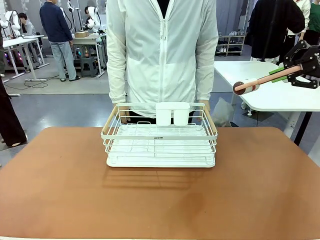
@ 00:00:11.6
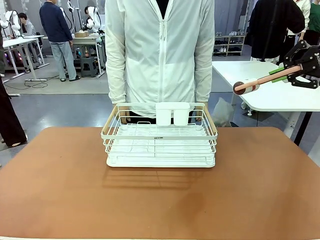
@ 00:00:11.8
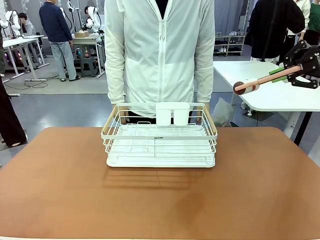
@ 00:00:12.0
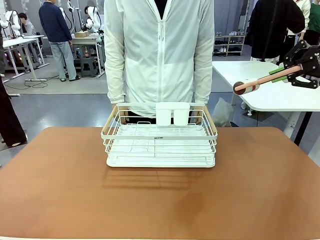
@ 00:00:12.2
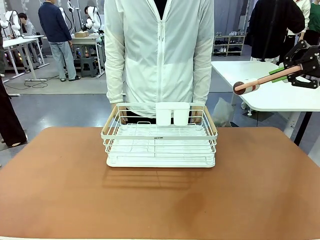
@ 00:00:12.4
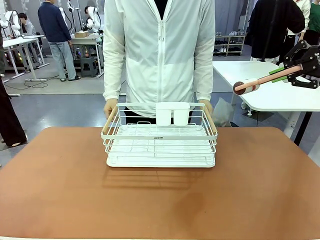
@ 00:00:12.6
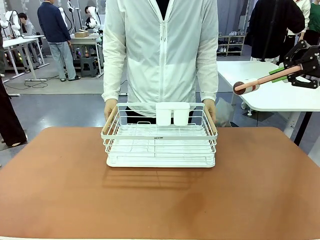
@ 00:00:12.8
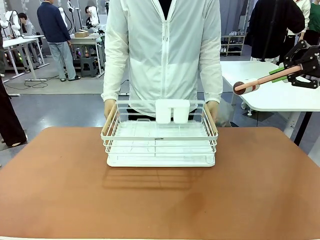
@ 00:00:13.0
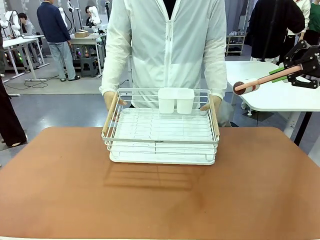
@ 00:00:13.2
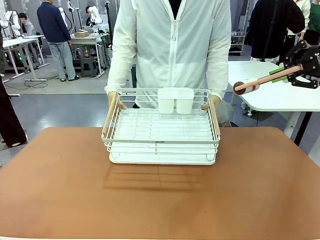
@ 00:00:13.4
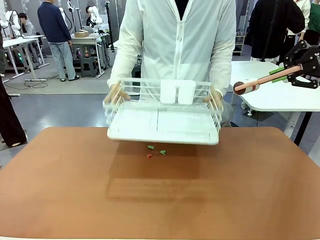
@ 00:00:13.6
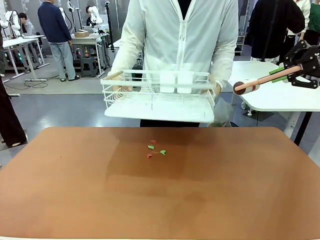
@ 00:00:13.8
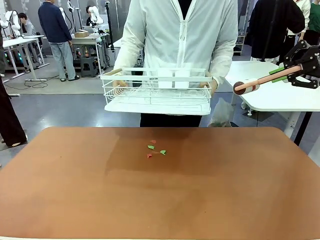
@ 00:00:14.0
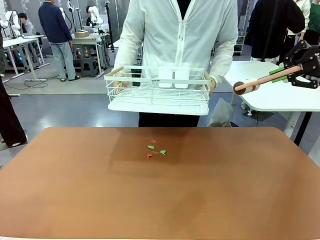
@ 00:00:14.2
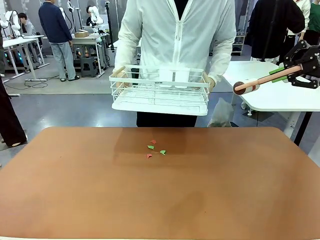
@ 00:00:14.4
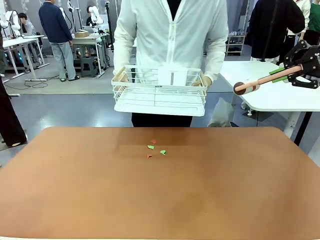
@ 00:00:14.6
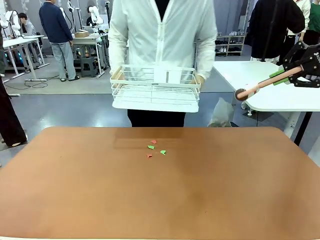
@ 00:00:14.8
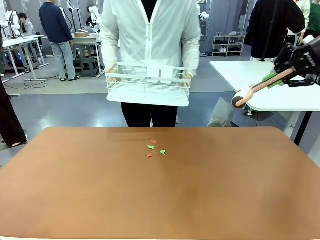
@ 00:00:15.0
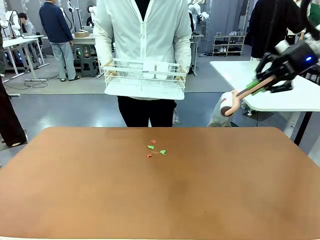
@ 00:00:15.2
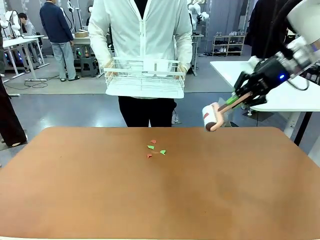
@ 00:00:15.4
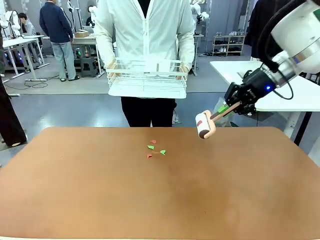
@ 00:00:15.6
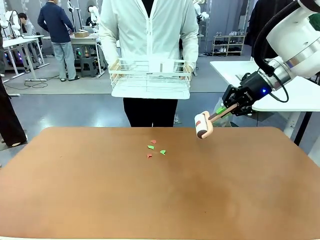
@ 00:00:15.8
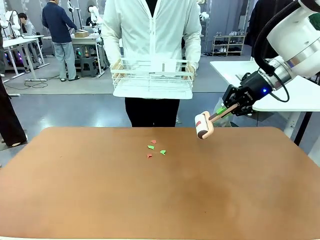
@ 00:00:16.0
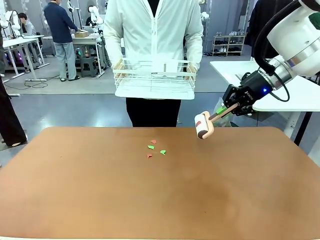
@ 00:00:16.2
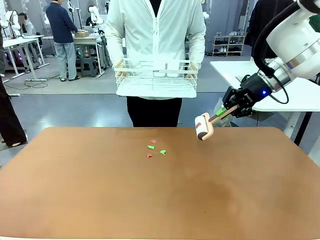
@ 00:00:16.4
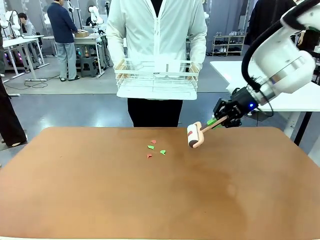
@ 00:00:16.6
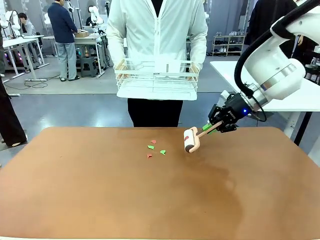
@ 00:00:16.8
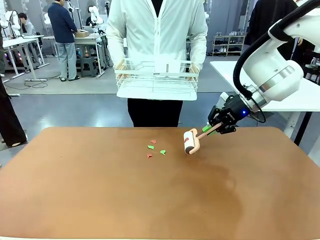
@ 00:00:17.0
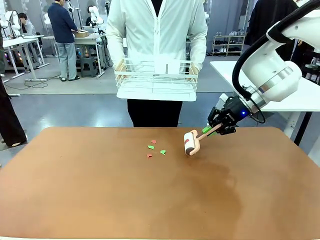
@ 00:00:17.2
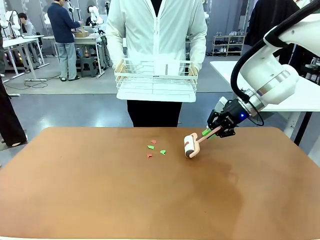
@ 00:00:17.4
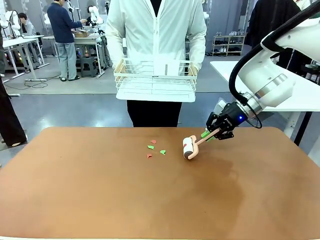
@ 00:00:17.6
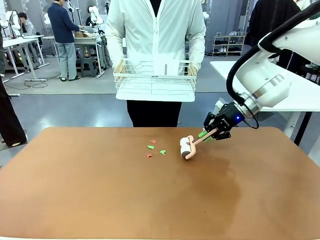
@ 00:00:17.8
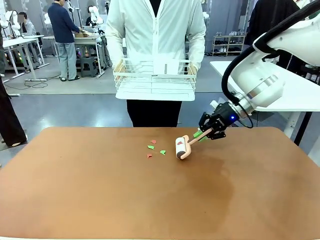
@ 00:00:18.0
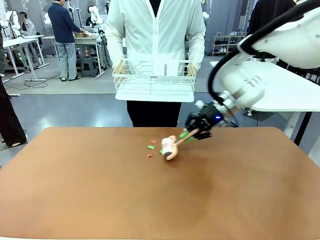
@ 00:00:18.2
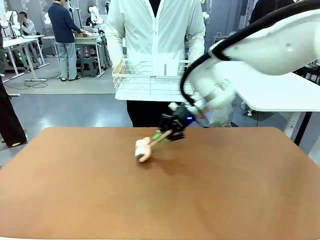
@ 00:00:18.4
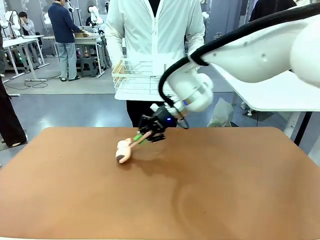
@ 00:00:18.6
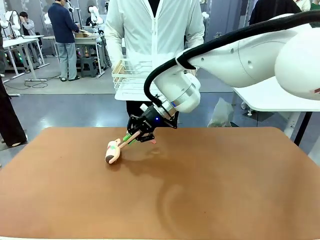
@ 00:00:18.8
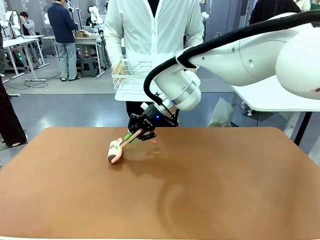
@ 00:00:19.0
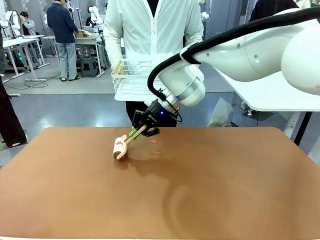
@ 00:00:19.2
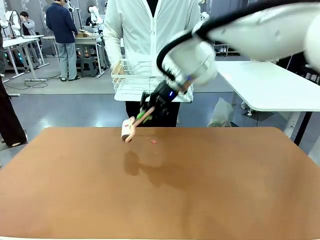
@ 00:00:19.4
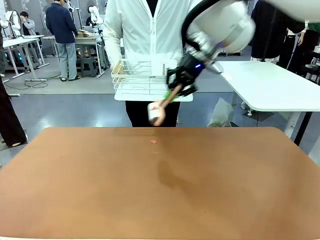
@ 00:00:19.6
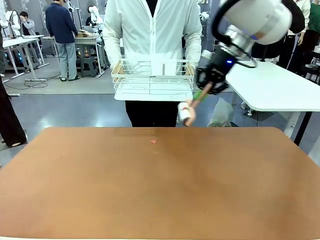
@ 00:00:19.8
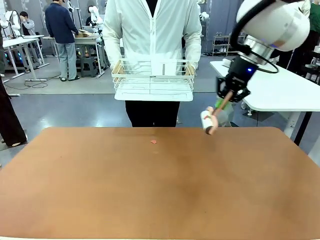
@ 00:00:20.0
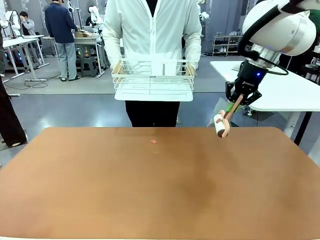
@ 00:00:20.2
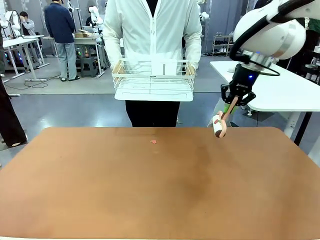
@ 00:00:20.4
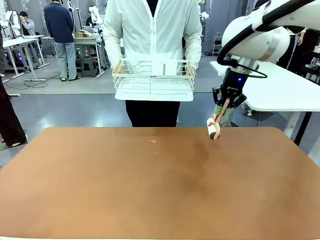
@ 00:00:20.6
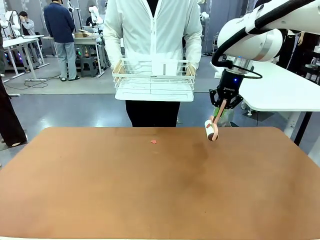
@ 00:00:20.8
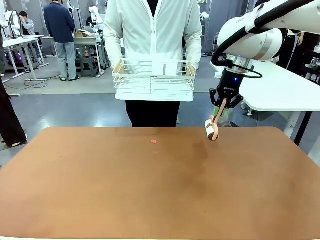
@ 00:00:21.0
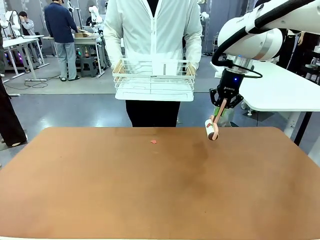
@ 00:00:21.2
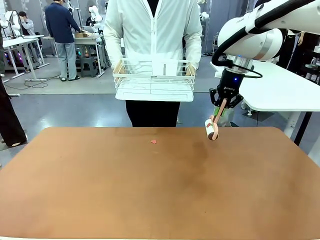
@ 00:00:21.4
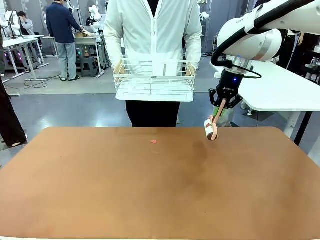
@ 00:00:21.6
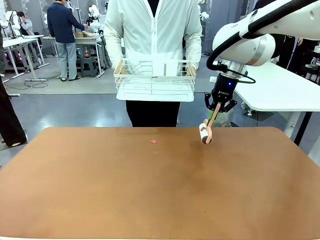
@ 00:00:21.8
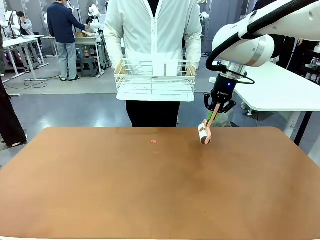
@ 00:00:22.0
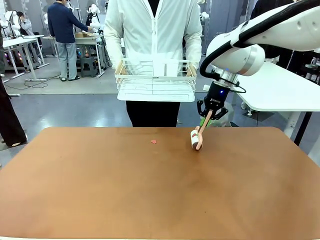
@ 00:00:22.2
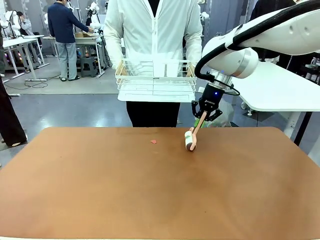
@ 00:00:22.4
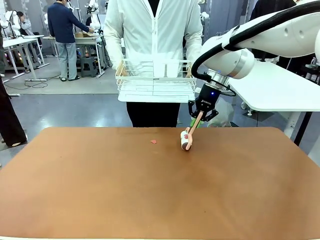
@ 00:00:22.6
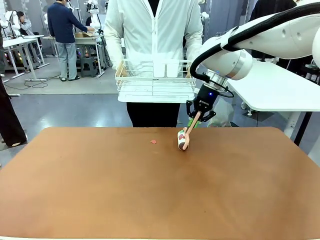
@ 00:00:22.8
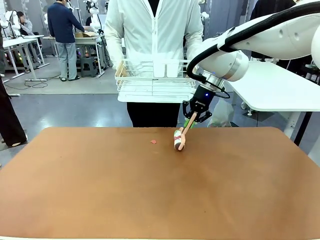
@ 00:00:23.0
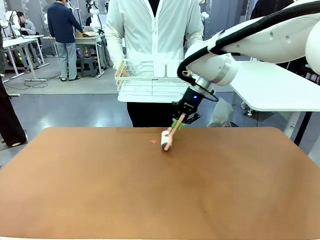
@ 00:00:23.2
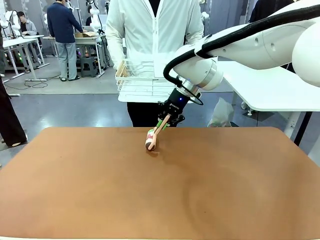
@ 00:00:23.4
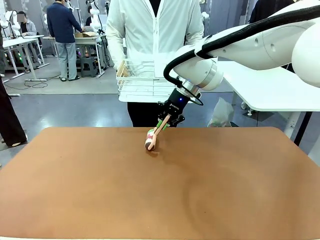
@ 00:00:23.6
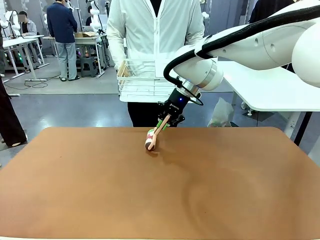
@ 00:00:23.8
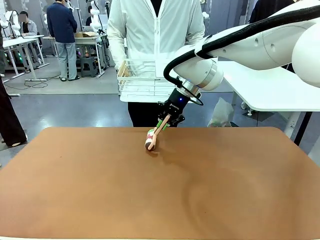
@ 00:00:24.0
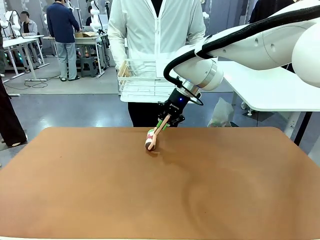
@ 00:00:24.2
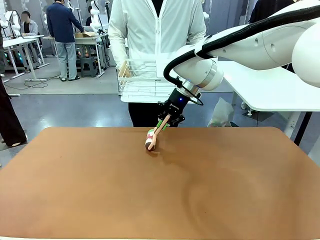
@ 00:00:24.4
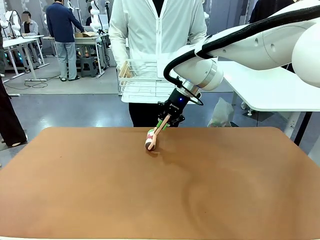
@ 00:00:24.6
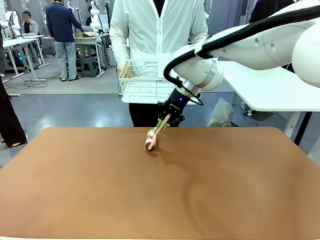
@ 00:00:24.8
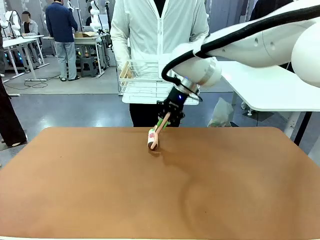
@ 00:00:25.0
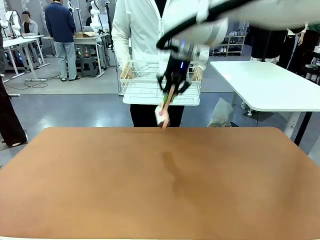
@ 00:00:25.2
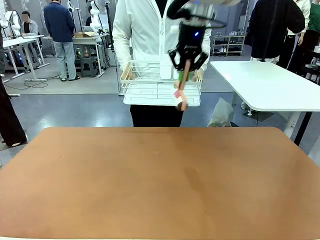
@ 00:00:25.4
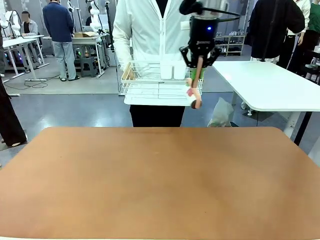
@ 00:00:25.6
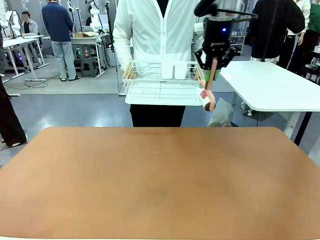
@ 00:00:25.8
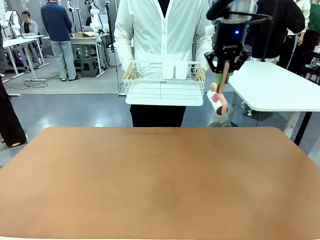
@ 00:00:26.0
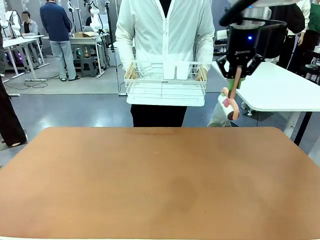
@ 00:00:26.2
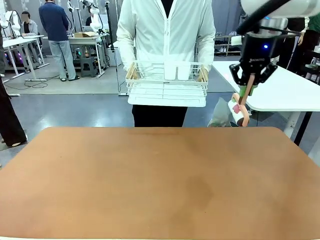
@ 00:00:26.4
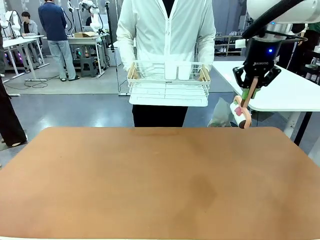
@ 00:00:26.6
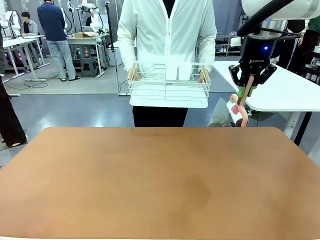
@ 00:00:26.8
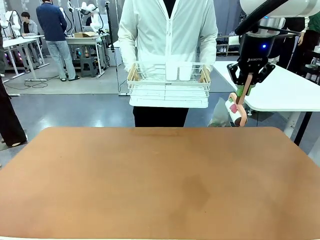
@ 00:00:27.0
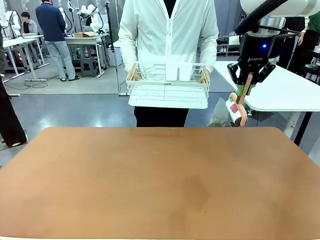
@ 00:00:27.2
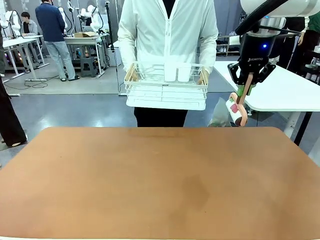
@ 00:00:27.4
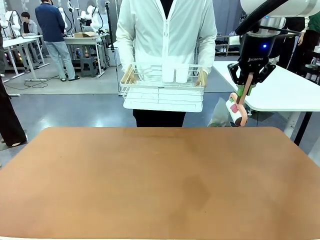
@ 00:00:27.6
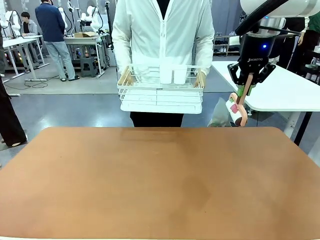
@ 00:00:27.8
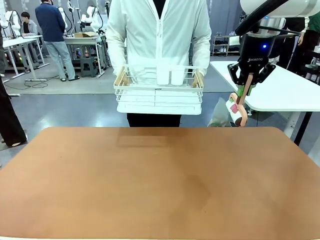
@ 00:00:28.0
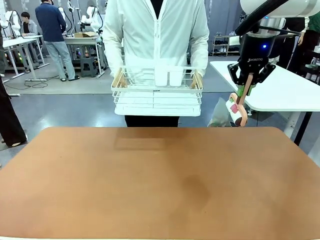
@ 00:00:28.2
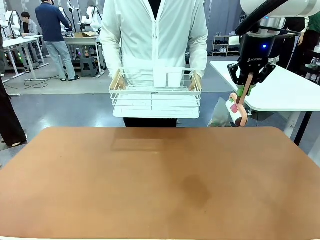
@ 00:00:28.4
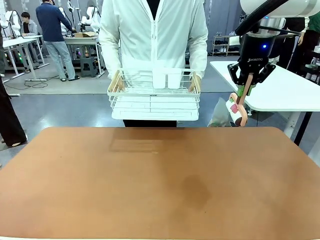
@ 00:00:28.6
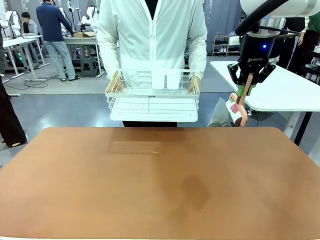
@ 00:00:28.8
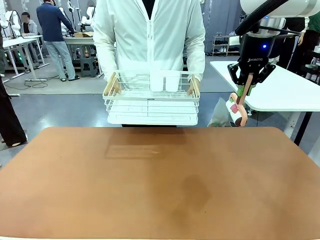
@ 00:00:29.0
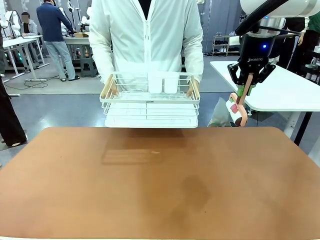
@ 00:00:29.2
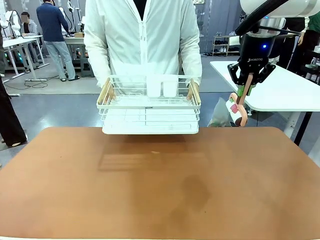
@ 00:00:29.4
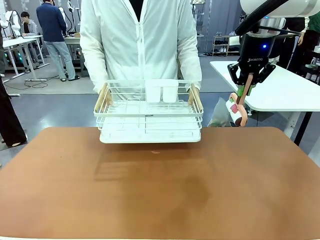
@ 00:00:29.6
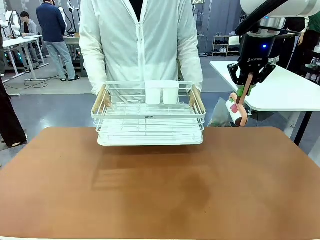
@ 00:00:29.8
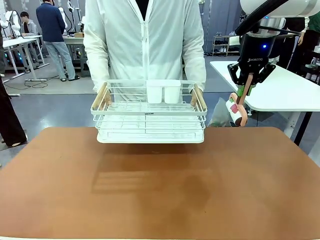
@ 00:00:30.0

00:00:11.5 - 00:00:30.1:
Task: Clean the table.
Robot: Clean the table with the Lint Roller when the human lifts the Dish drying rack.
Person: Place the Dish drying rack down when the robot finishes cleaning.
